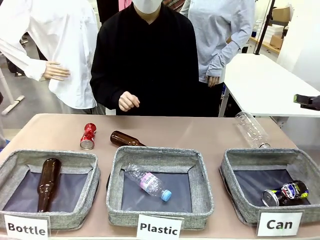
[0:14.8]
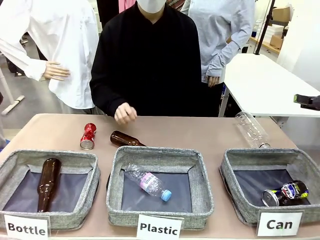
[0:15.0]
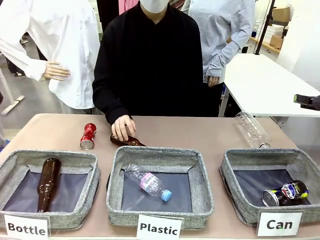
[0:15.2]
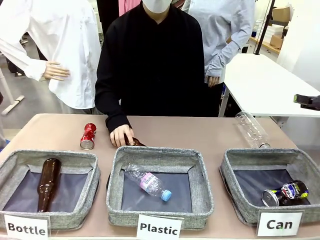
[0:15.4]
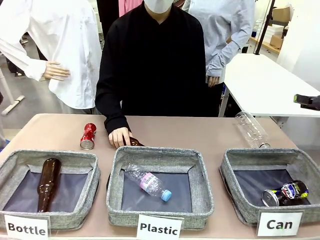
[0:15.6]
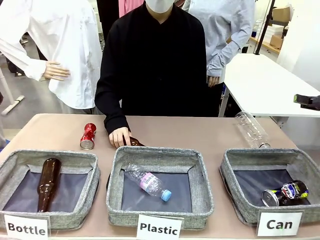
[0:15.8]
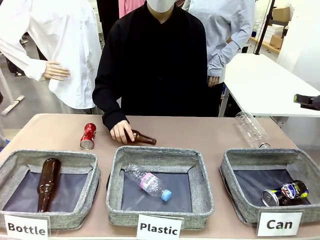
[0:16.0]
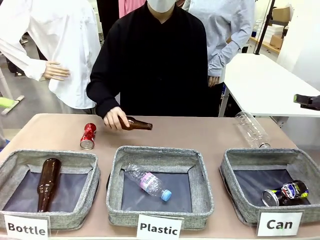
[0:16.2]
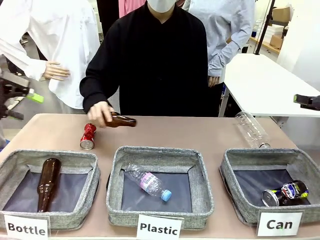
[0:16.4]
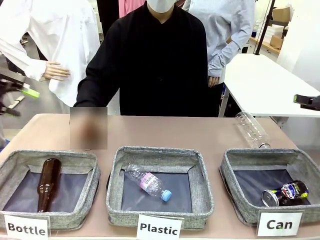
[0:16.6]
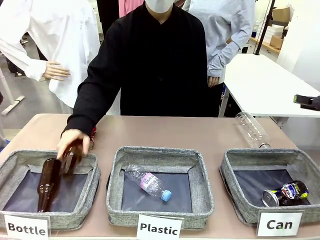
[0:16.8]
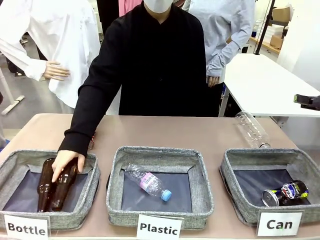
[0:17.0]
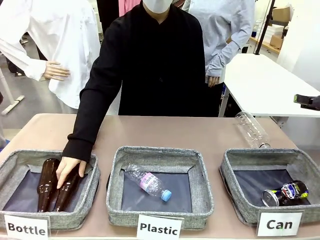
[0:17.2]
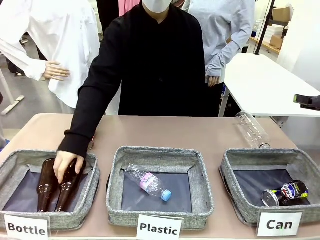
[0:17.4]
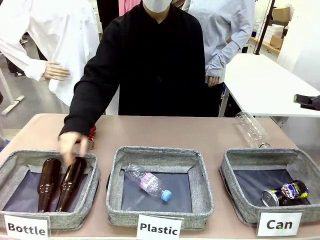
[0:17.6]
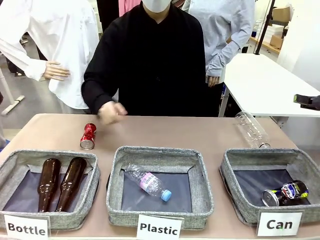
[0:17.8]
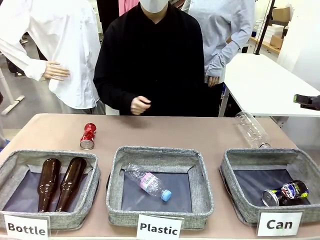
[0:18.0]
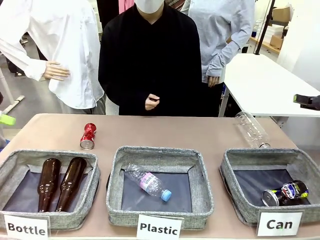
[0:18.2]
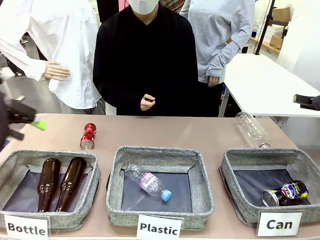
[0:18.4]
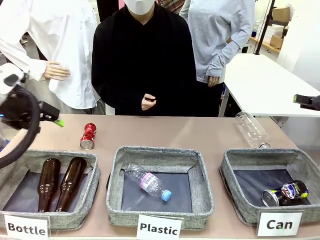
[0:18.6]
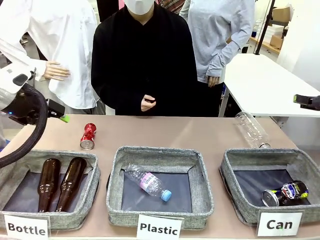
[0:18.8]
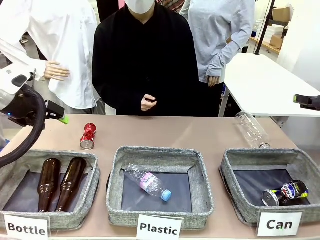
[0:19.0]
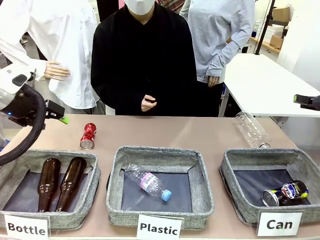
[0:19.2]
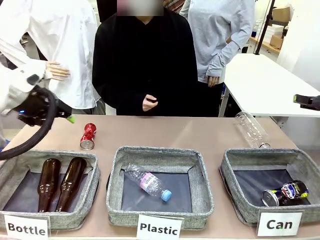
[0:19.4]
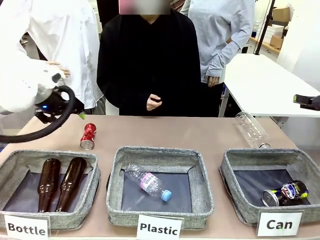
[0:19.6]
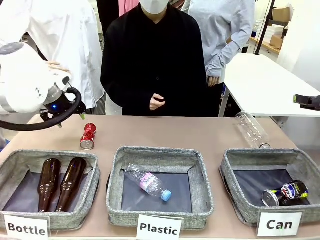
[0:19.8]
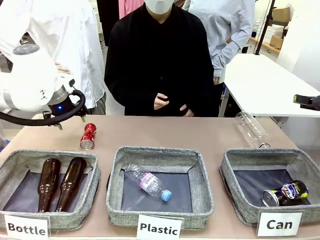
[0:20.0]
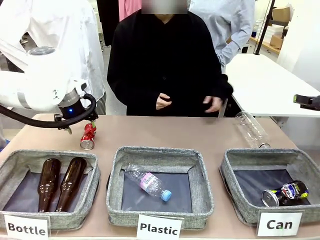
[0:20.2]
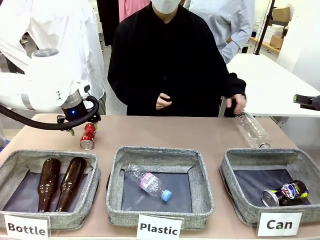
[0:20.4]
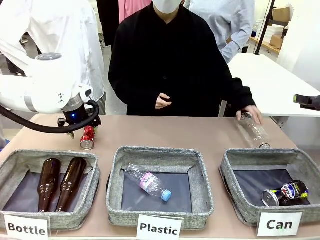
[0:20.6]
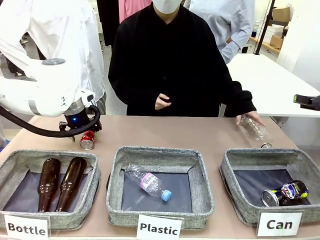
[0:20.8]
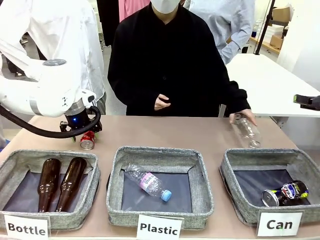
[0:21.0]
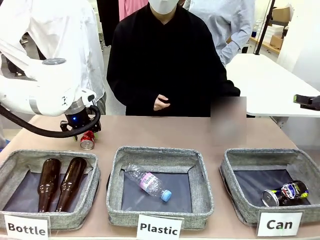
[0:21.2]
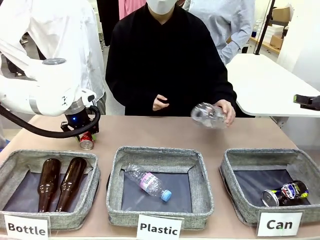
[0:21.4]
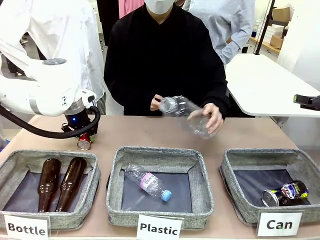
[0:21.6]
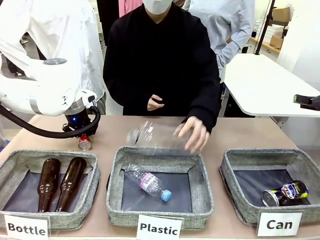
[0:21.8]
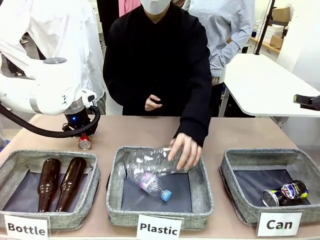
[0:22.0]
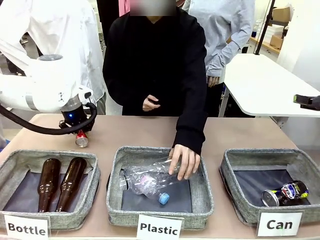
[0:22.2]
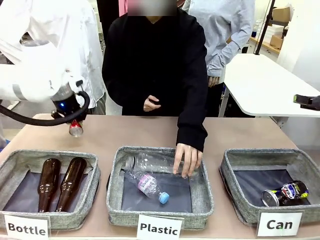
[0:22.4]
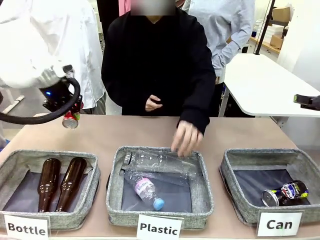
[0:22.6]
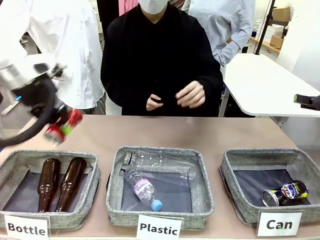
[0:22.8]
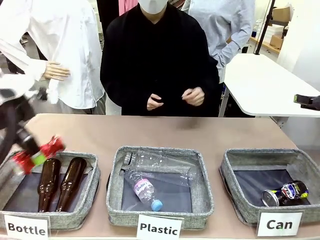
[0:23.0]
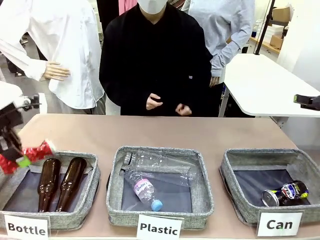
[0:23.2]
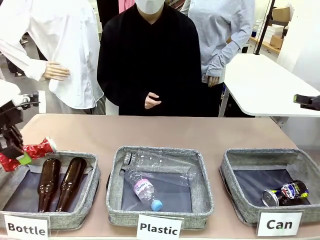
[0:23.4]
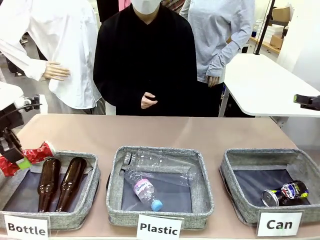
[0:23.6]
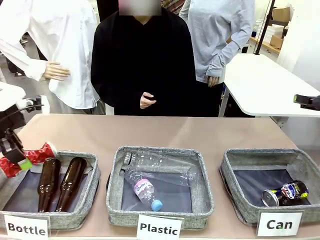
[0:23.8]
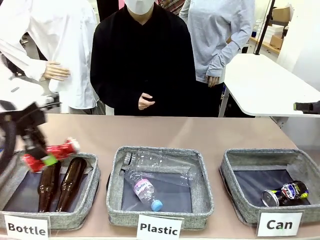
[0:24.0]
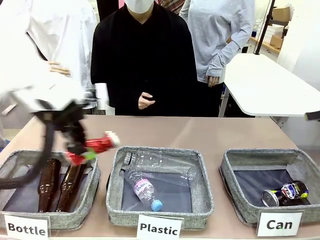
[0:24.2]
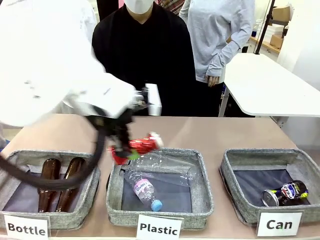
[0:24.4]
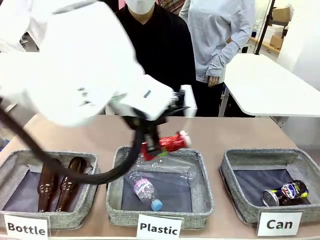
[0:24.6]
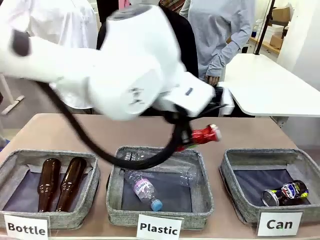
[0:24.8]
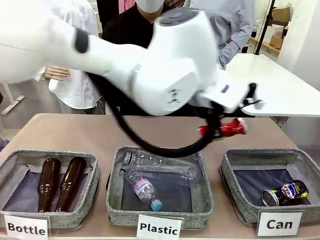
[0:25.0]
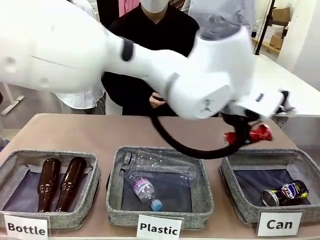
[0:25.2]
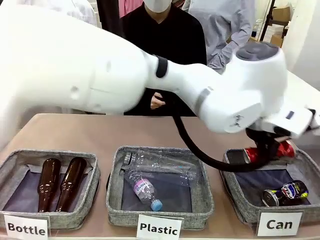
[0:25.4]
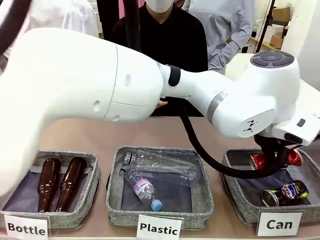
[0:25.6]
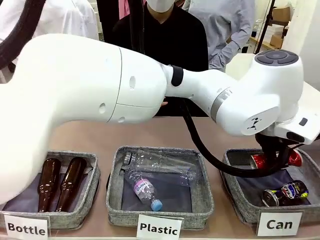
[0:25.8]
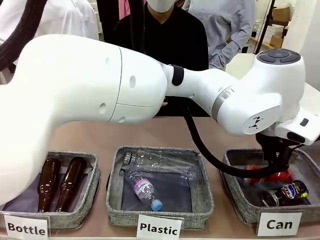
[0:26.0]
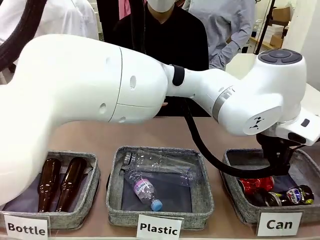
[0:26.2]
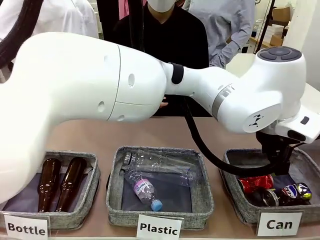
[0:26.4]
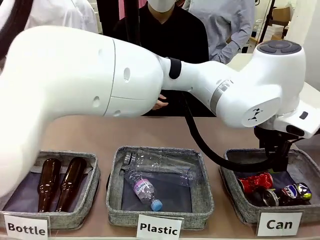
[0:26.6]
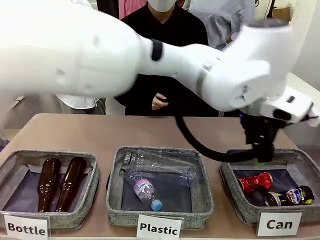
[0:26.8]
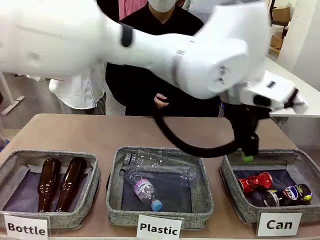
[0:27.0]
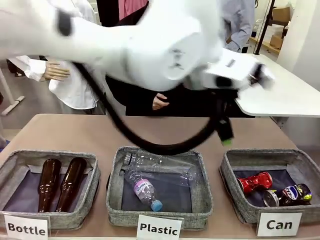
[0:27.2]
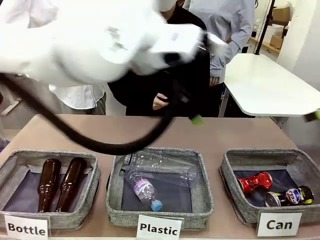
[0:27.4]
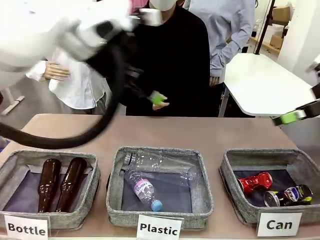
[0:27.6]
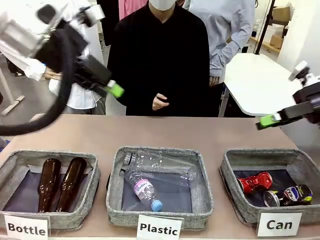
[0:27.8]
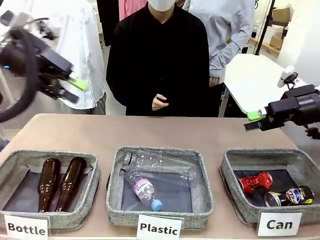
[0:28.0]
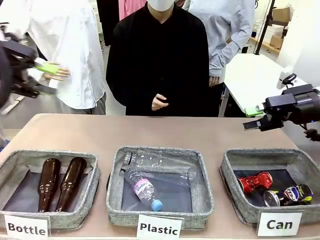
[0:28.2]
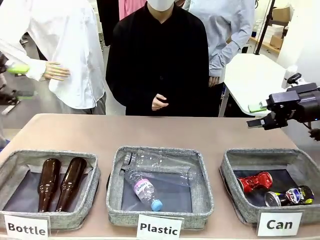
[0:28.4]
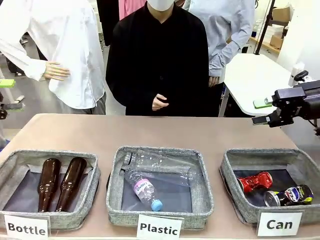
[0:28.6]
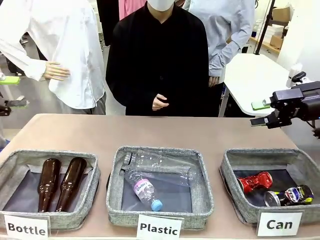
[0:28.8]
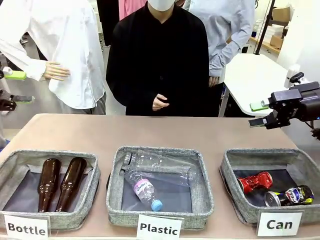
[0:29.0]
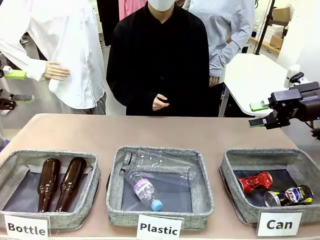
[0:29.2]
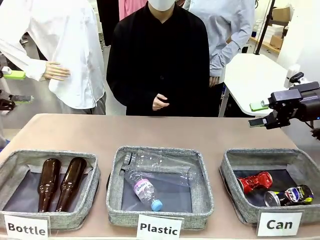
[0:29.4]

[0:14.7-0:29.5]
Task: Sort the can waste into the basket.
Robot: Pick up the can waste from the table and place it in the right Fabric basket.
Person: The human picks up one piece of trash that is not a can and places the trash into the appropriate organizing basket.

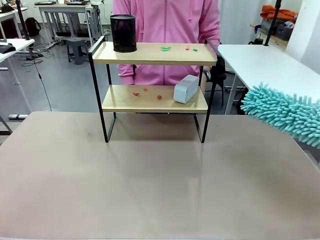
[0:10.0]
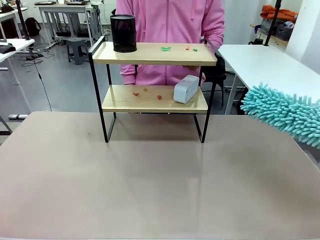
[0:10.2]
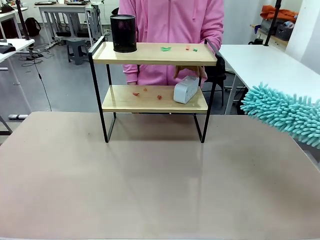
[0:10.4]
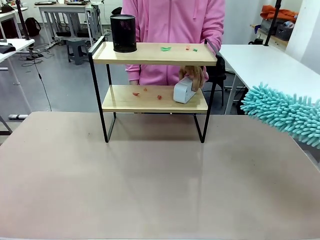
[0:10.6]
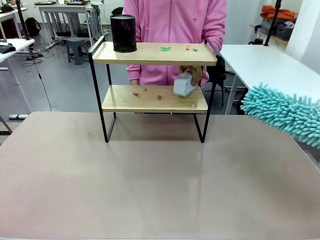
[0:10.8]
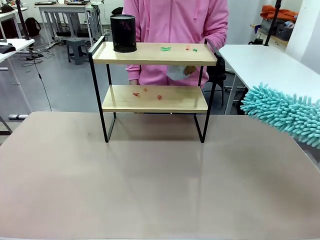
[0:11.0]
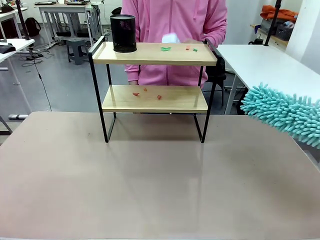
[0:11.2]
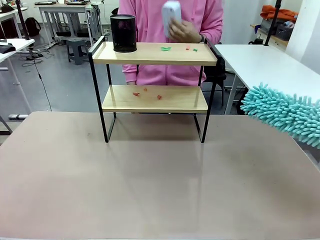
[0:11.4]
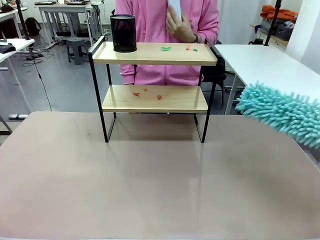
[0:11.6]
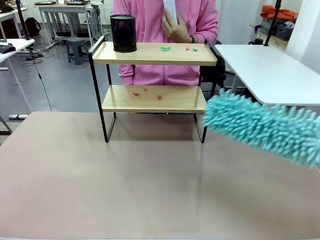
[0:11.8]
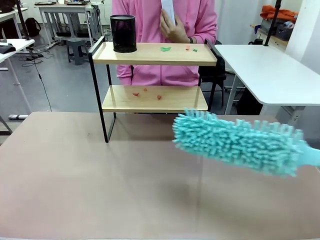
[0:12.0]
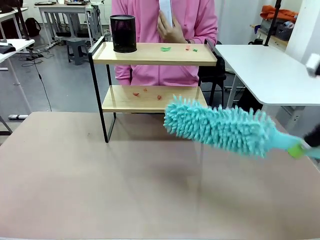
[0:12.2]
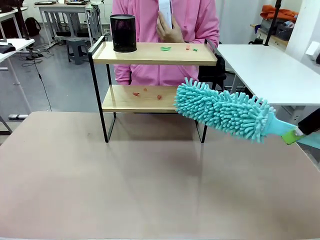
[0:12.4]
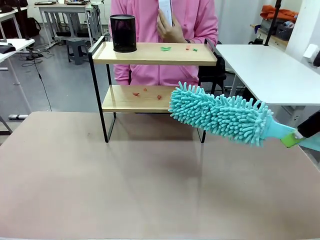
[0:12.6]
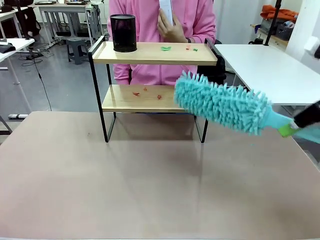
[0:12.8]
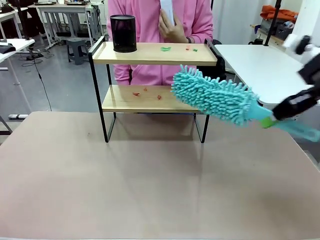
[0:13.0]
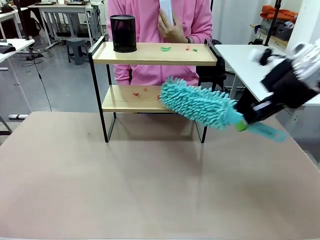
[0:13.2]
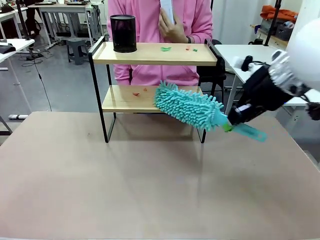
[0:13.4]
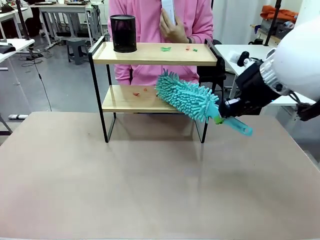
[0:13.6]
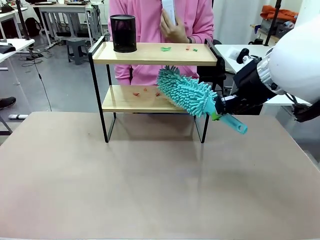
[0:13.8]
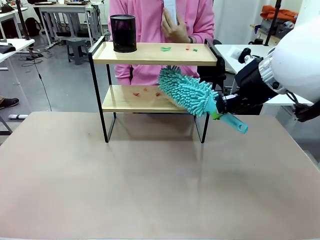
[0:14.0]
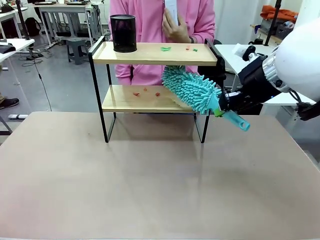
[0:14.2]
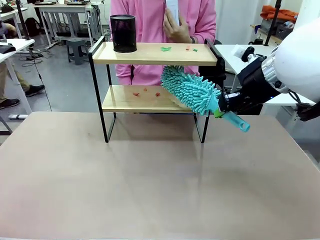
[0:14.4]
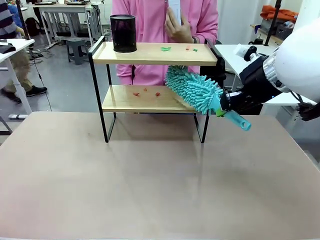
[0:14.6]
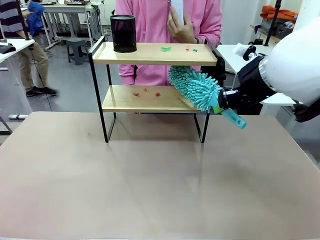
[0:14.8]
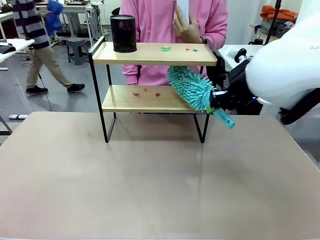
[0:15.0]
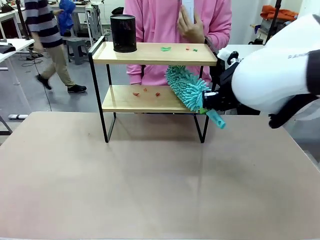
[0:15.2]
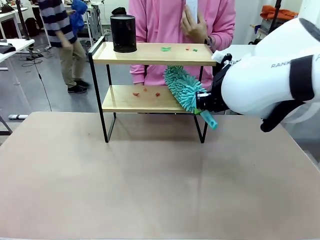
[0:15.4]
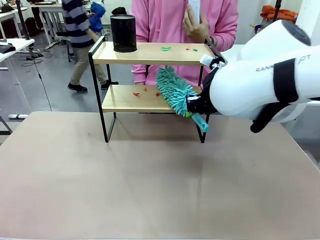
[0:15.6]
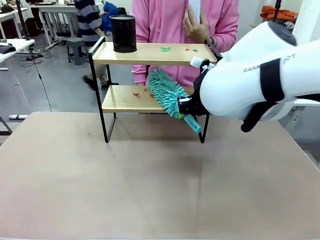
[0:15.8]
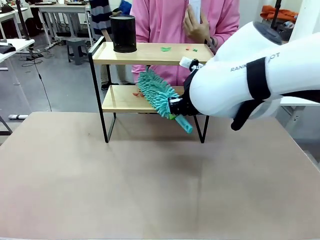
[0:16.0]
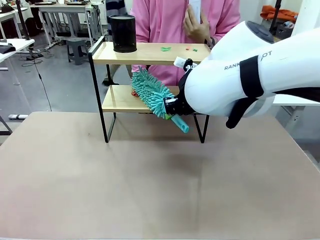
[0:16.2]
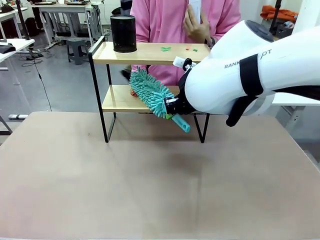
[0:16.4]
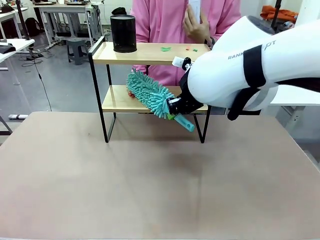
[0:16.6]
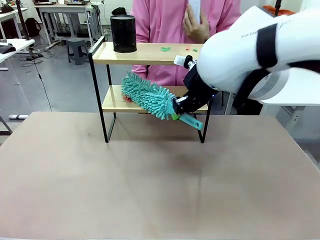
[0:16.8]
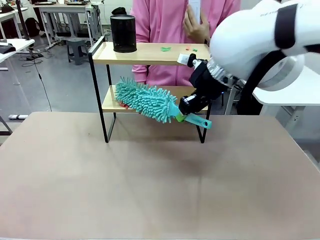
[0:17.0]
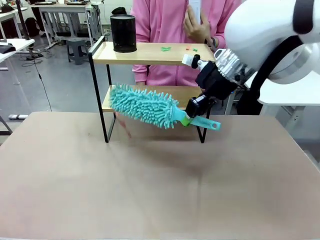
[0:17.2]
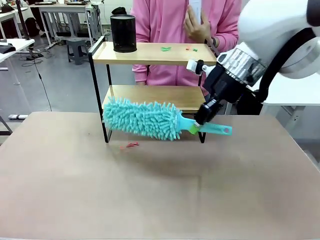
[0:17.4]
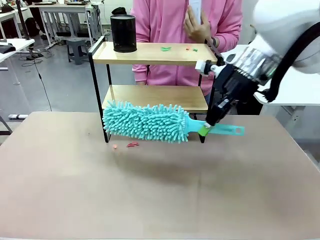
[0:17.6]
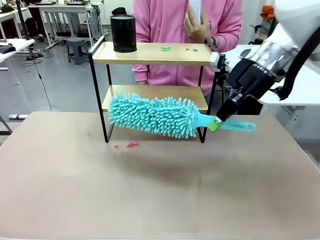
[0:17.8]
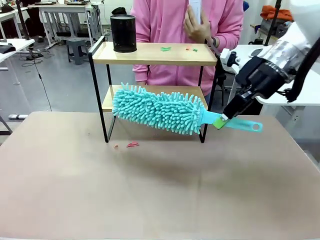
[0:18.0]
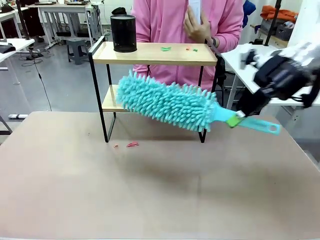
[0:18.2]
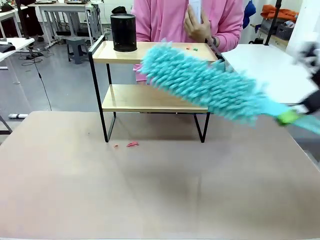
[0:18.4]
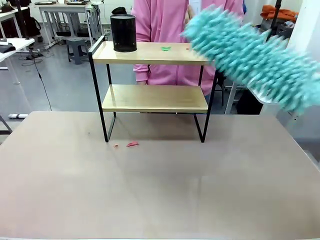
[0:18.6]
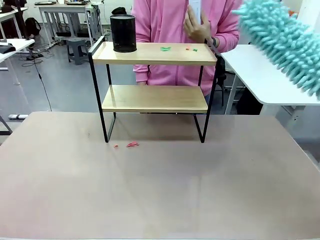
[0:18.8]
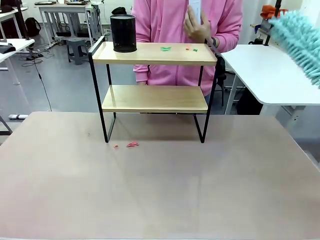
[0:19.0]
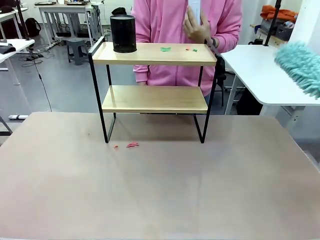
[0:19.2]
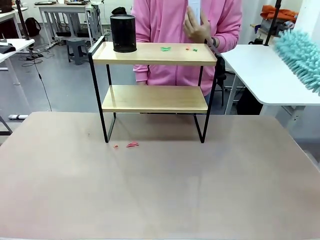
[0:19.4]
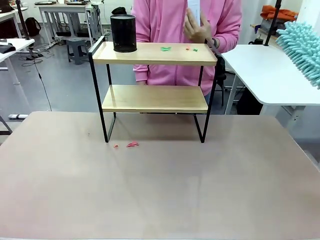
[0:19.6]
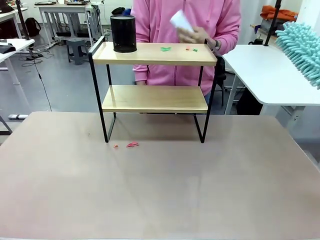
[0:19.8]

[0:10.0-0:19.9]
Task: Clean the shelf.
Robot: Clean the specific tier of the Shelf with the Duster once objects are removed.
Person: Lift the objects on a randomly selected tier of the Shelf. Once the robot finishes cleaning, lift the objects on the remaining tiers of the Shelf.
